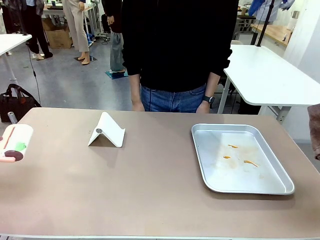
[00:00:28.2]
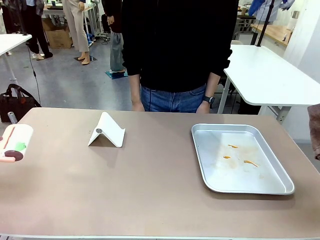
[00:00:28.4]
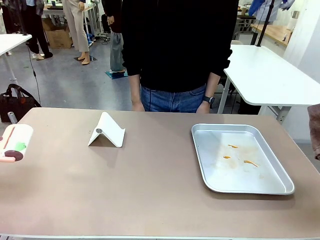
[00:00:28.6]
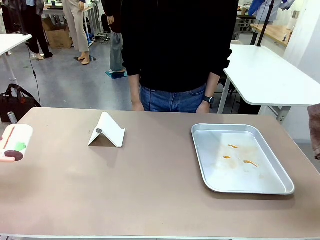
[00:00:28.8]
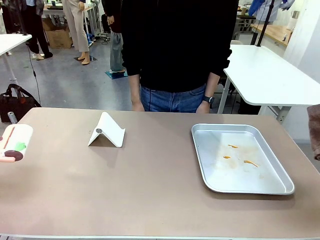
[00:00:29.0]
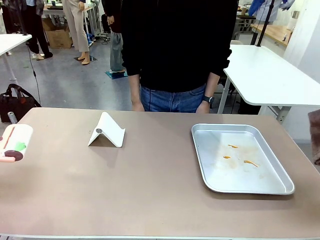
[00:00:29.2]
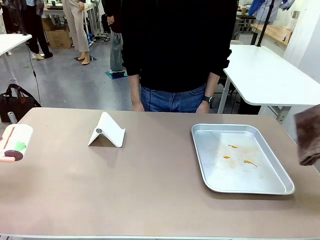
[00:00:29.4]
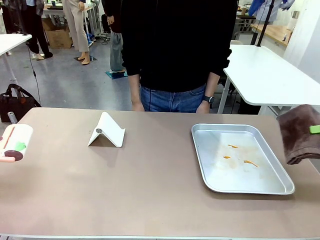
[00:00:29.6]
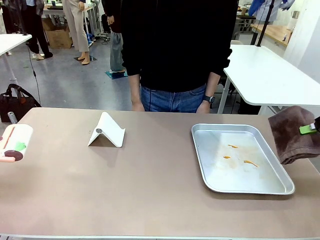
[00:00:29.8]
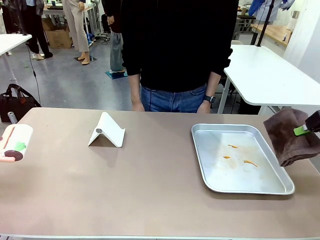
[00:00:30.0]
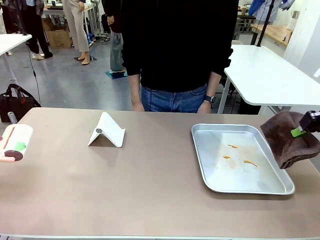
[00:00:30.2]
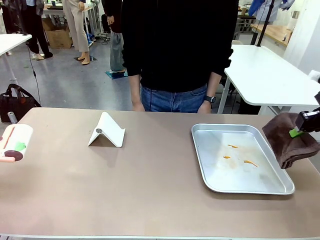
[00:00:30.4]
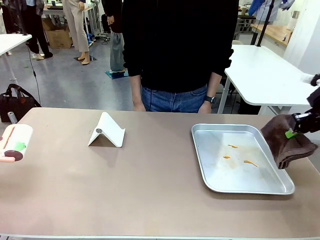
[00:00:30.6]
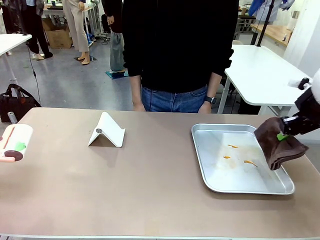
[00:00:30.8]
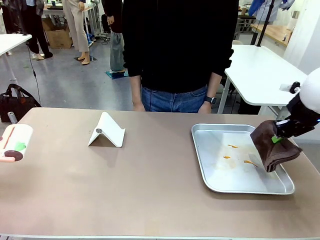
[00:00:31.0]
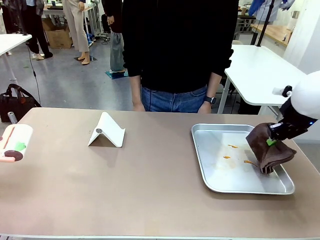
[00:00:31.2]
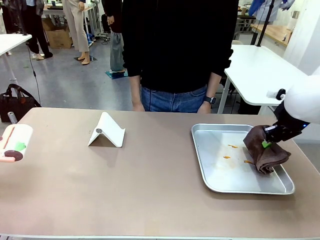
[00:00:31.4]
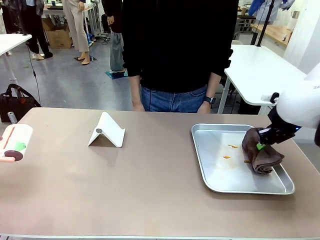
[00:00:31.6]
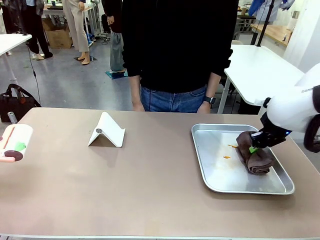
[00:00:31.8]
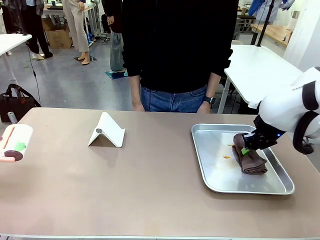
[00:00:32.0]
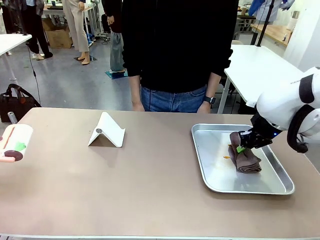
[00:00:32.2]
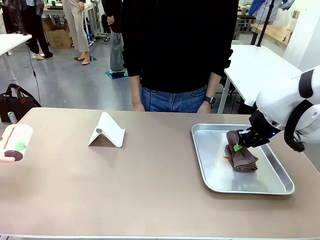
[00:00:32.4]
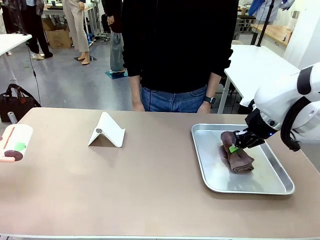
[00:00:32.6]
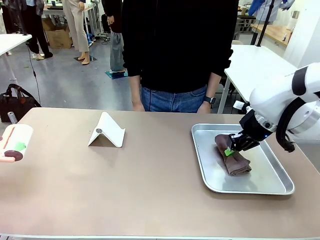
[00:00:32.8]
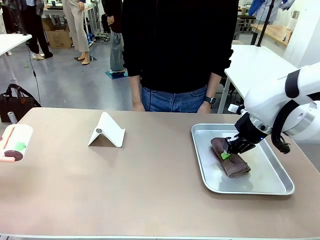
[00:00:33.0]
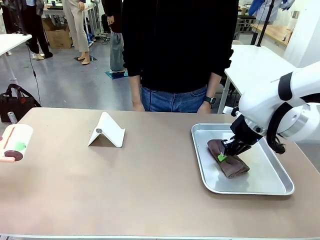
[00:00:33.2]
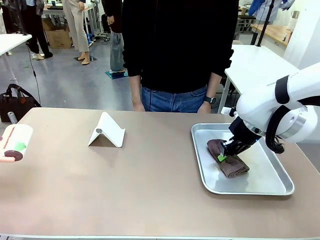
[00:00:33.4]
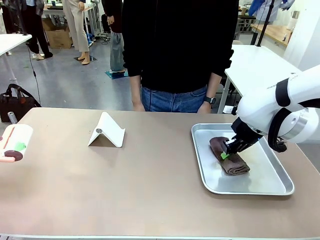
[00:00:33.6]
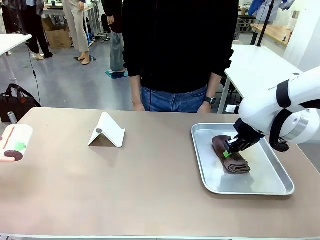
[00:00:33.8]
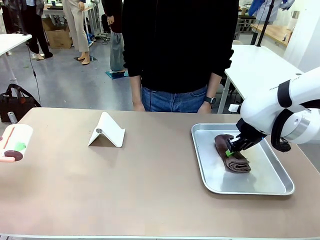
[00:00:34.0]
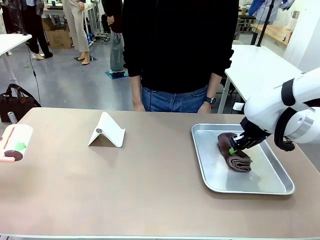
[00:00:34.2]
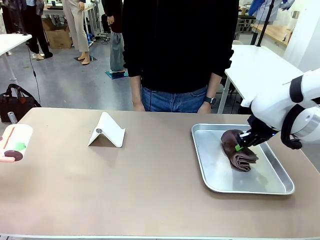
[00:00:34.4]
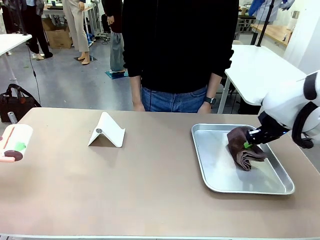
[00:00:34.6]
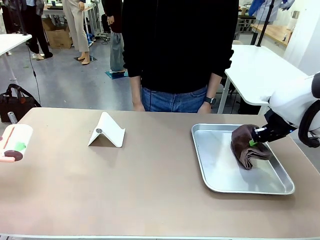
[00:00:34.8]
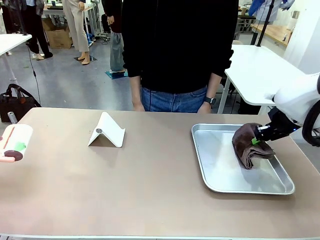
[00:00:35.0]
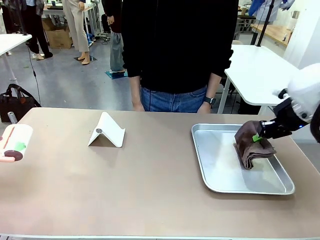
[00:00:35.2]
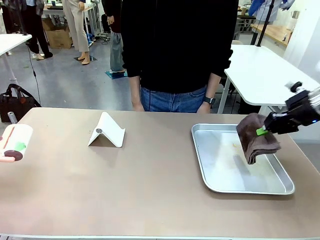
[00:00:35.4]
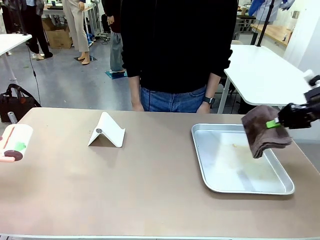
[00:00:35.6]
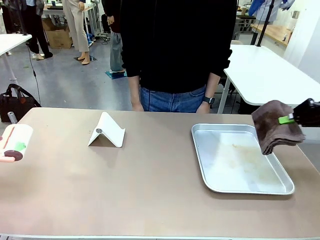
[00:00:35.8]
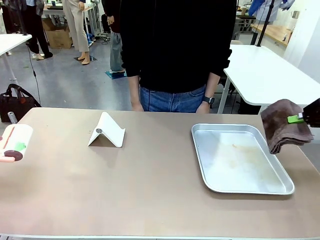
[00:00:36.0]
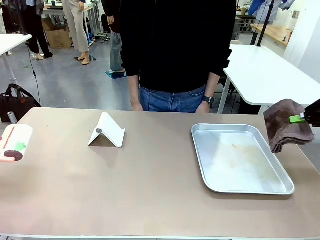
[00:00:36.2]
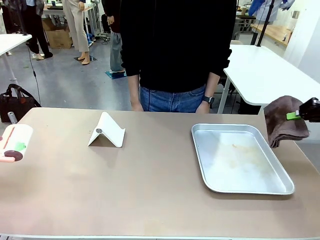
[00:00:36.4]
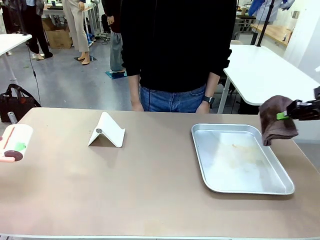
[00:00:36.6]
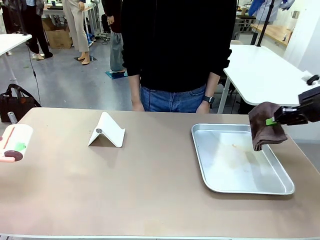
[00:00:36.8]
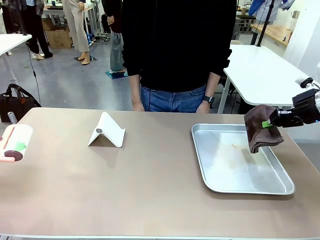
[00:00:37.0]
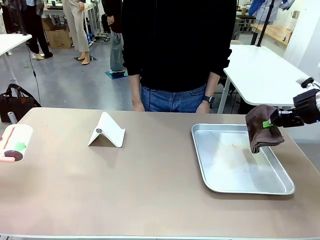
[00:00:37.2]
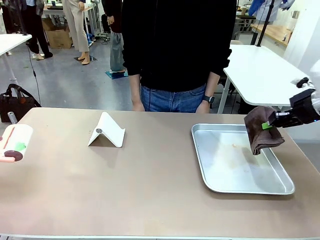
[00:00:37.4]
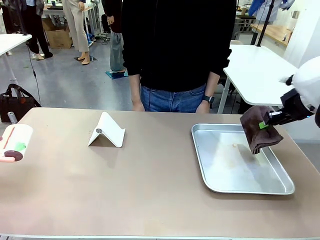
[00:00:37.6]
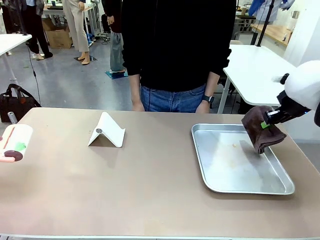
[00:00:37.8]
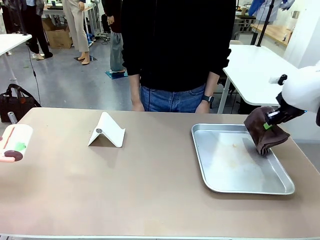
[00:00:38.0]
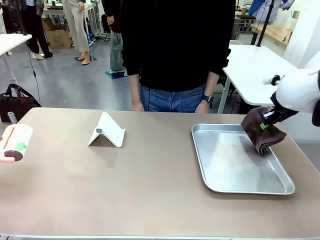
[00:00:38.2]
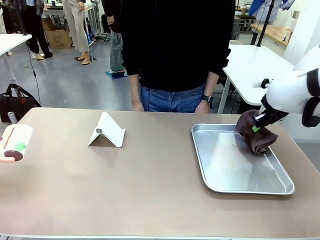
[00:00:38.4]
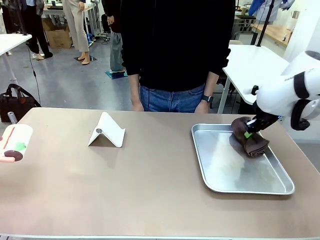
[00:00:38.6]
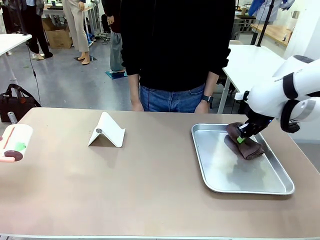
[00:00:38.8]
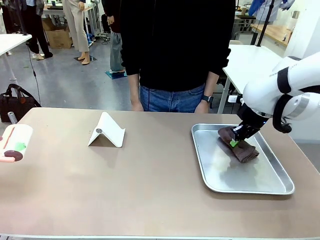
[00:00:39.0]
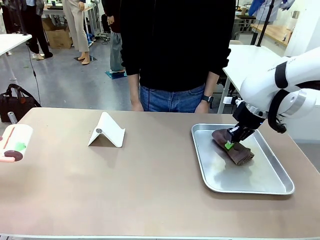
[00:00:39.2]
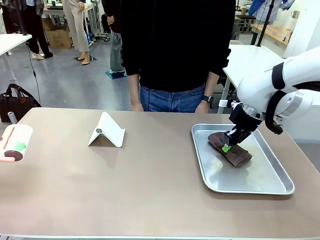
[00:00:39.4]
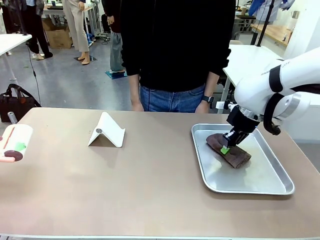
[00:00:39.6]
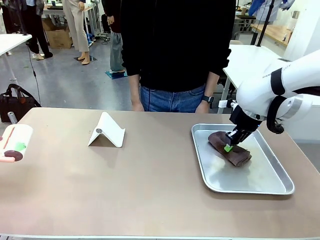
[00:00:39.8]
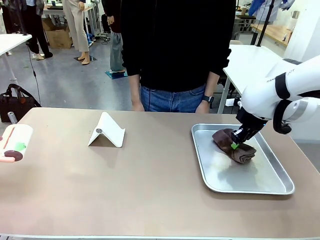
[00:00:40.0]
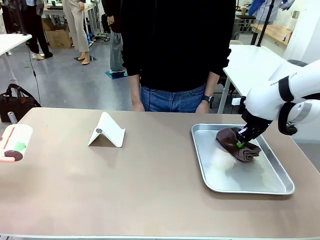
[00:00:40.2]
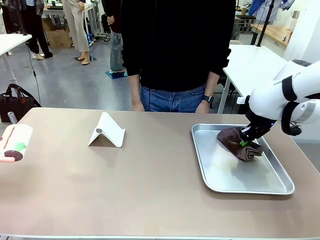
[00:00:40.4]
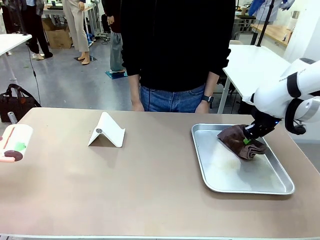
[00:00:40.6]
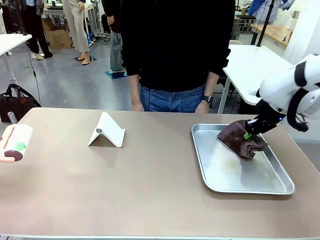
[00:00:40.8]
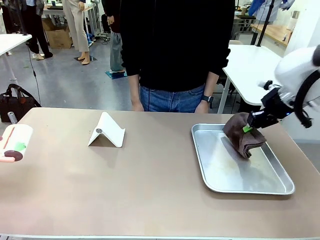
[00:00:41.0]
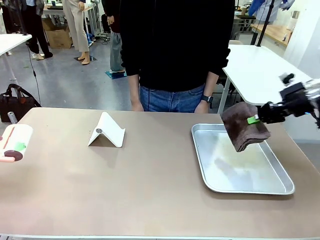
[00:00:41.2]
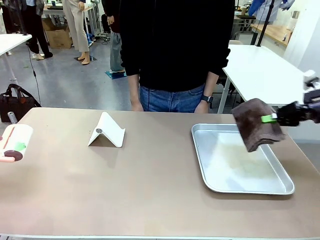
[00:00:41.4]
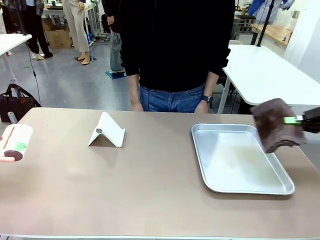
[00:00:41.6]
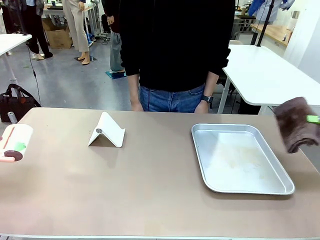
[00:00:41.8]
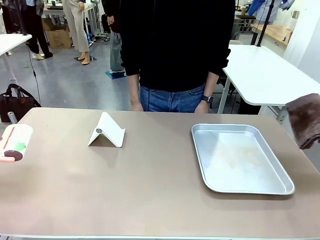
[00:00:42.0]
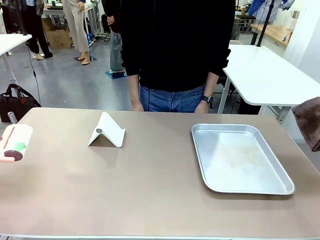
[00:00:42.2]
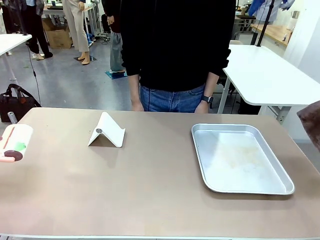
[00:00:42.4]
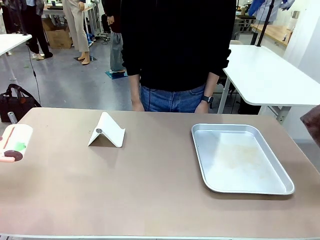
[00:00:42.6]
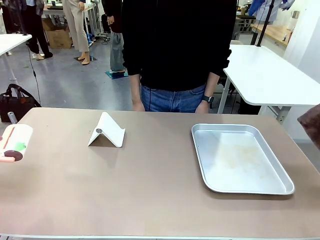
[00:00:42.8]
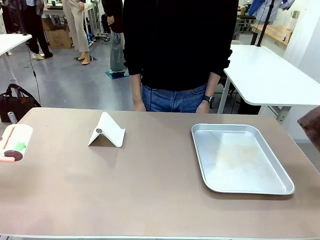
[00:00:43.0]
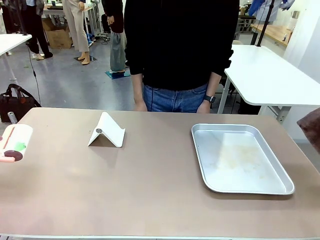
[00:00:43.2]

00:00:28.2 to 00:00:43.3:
Task: Clean the surface of the table.
Robot: Clean the area not pointed to by the person.
